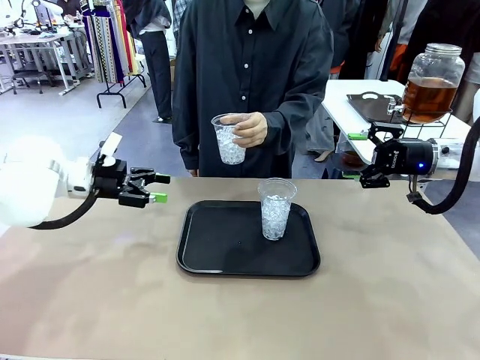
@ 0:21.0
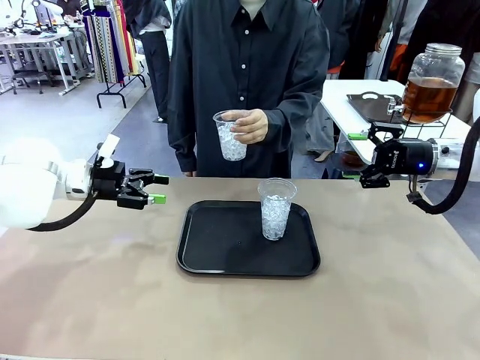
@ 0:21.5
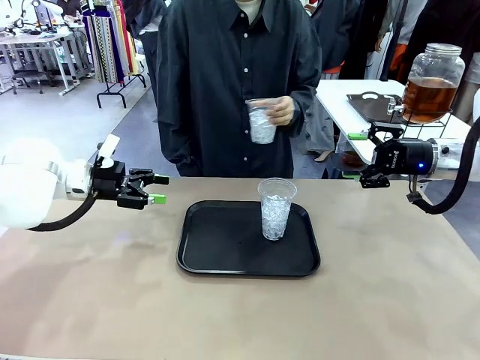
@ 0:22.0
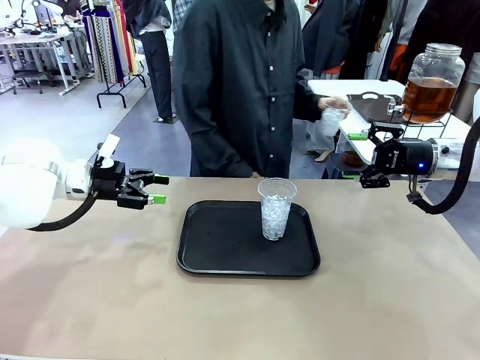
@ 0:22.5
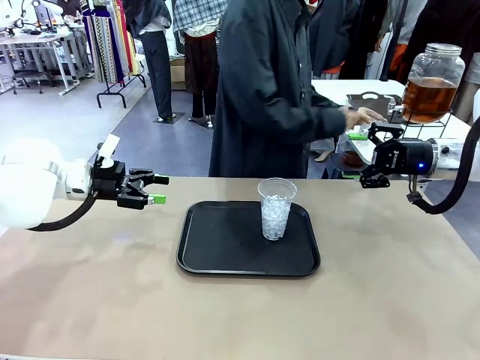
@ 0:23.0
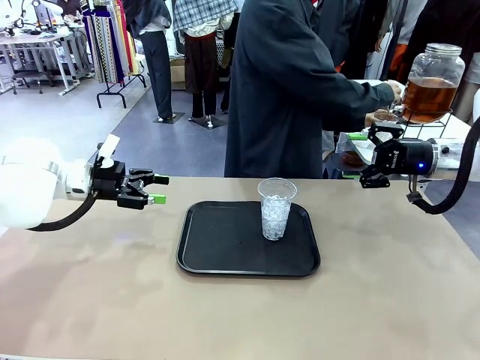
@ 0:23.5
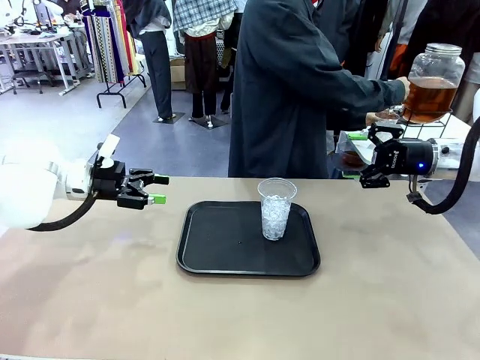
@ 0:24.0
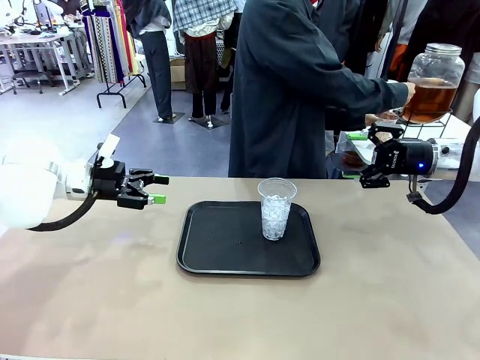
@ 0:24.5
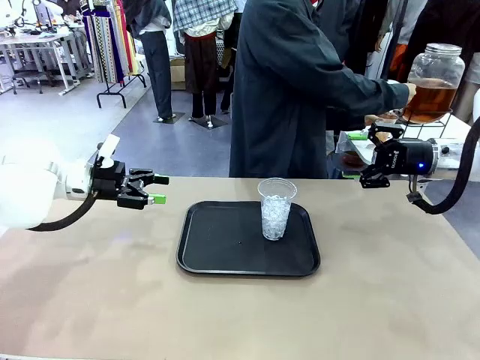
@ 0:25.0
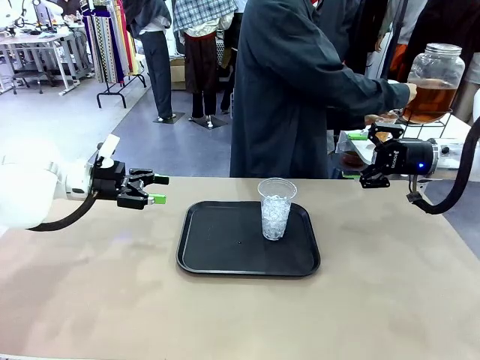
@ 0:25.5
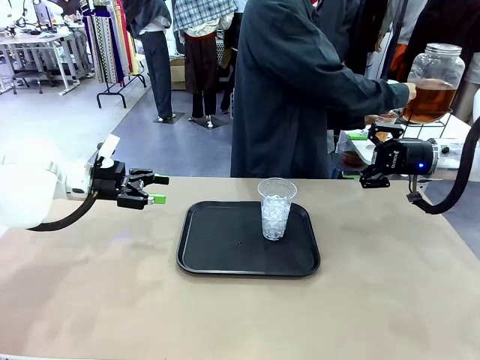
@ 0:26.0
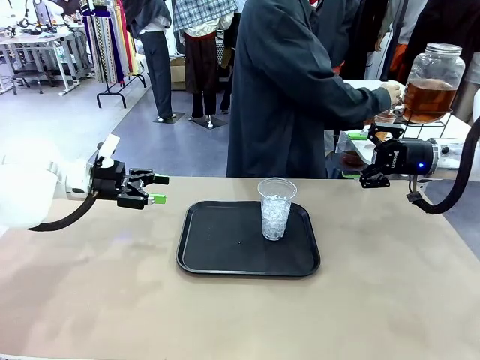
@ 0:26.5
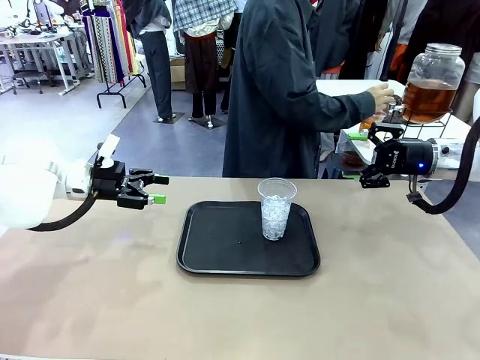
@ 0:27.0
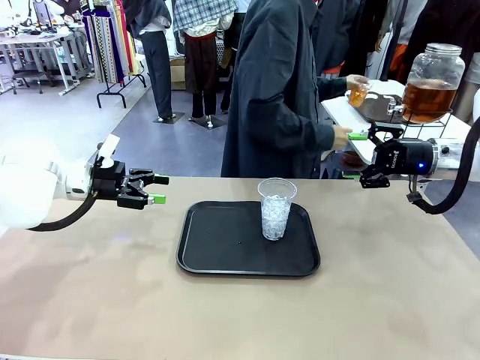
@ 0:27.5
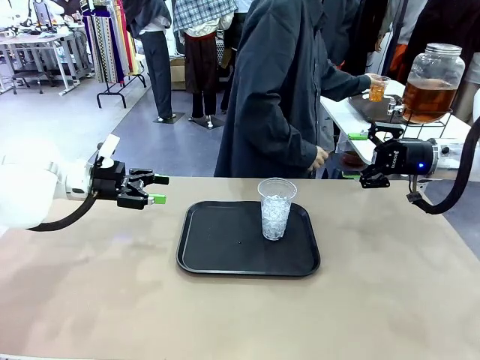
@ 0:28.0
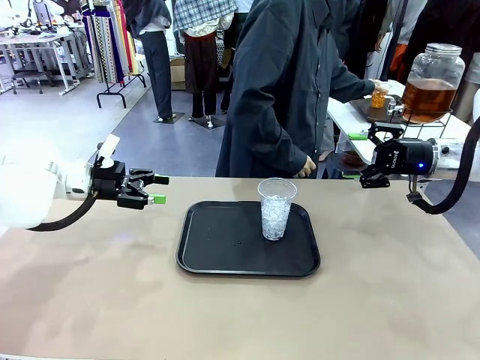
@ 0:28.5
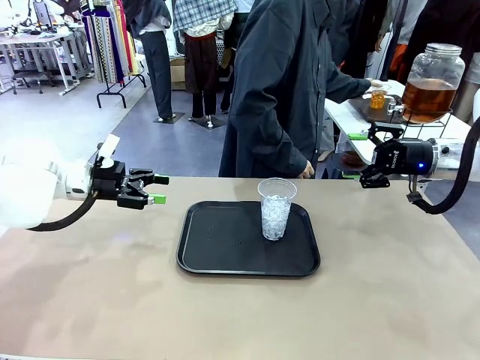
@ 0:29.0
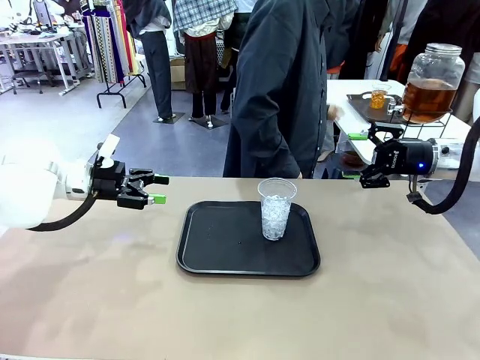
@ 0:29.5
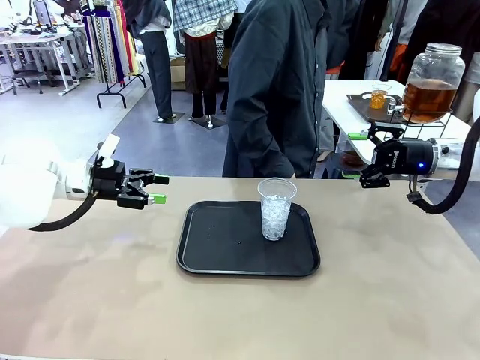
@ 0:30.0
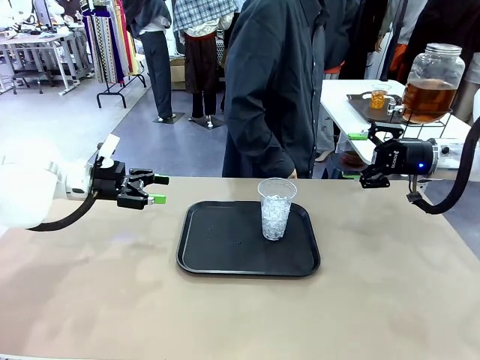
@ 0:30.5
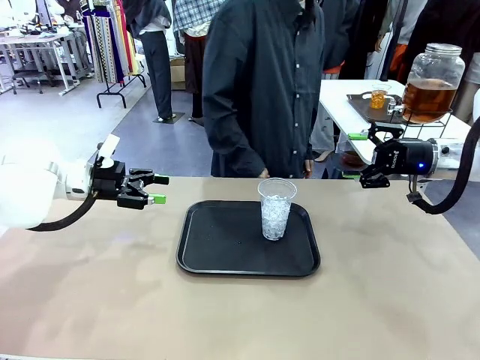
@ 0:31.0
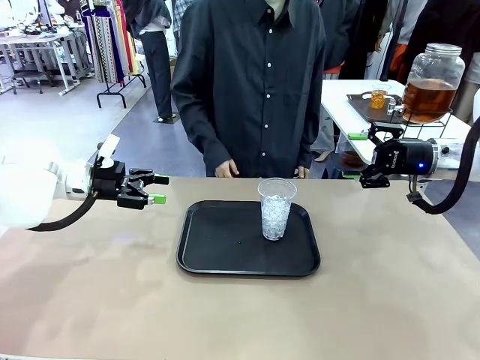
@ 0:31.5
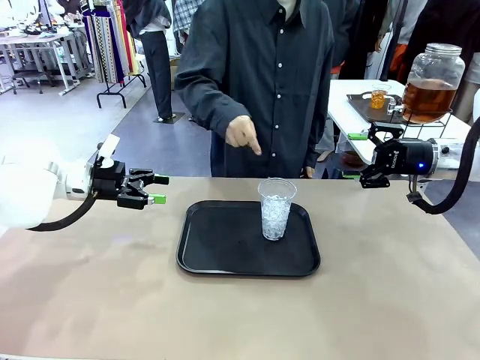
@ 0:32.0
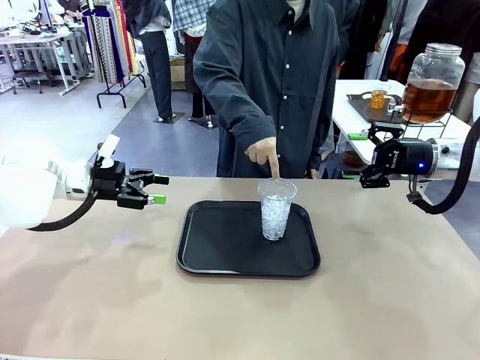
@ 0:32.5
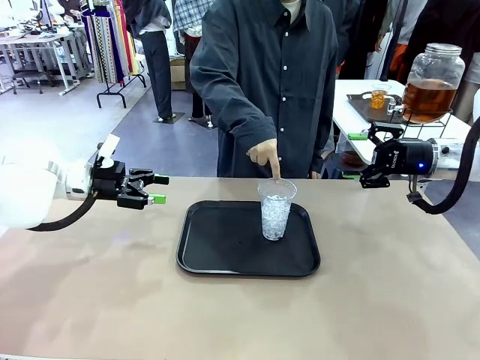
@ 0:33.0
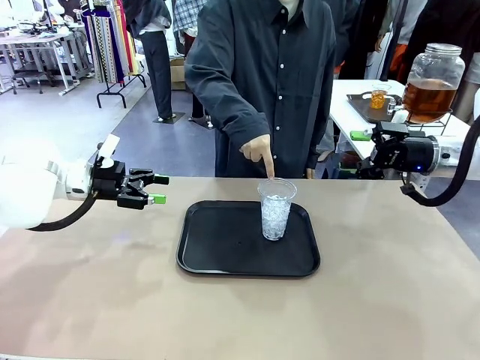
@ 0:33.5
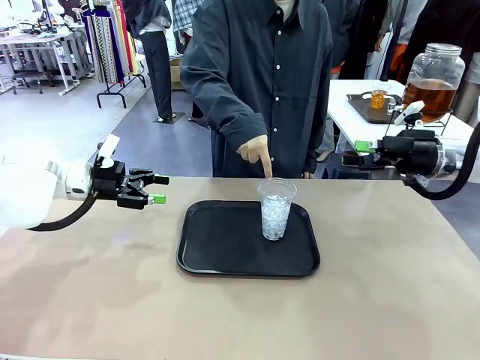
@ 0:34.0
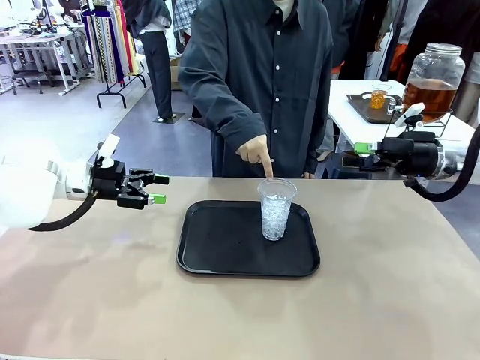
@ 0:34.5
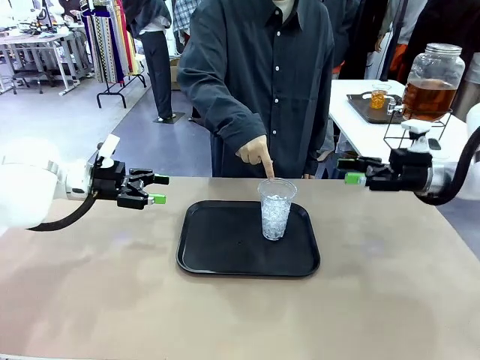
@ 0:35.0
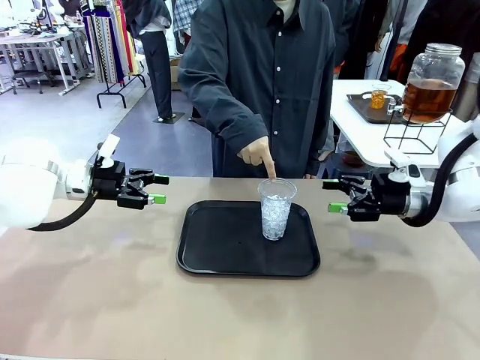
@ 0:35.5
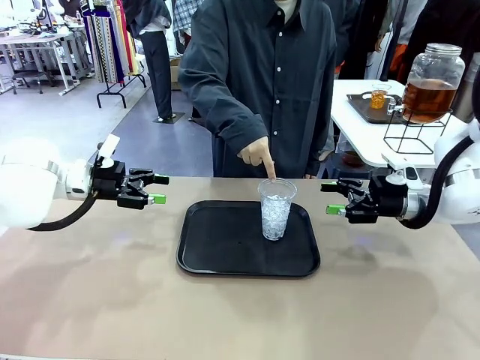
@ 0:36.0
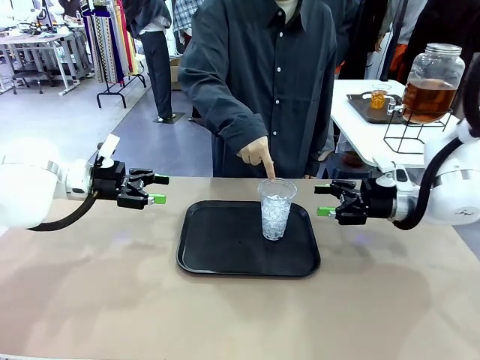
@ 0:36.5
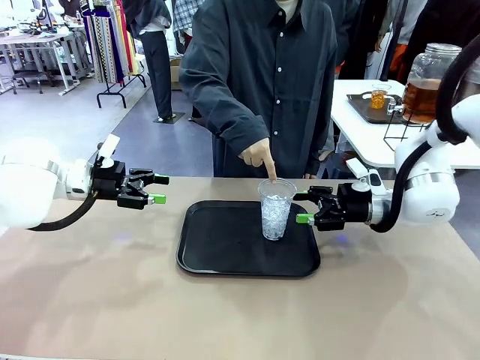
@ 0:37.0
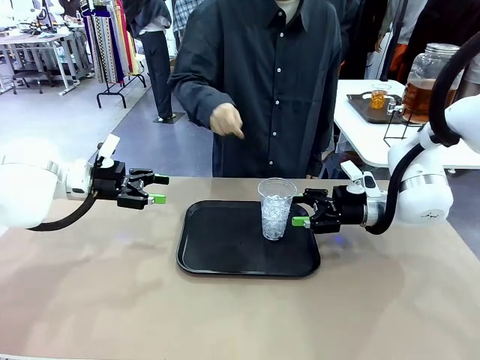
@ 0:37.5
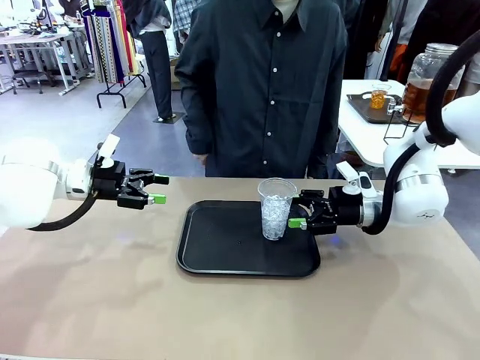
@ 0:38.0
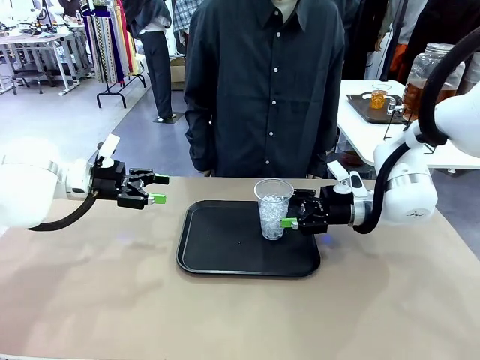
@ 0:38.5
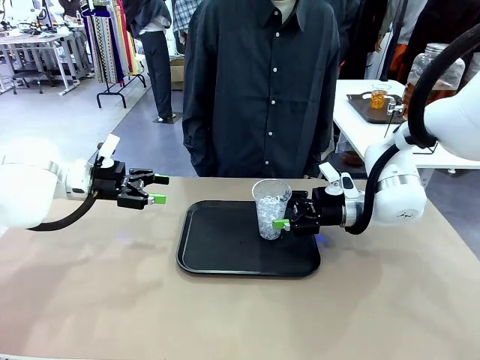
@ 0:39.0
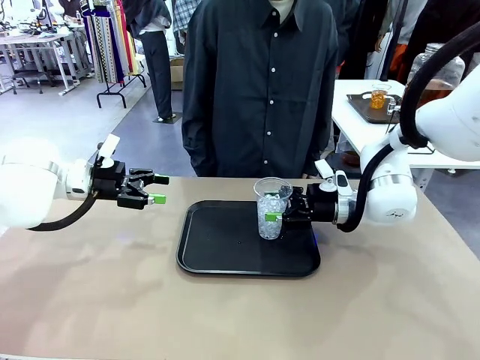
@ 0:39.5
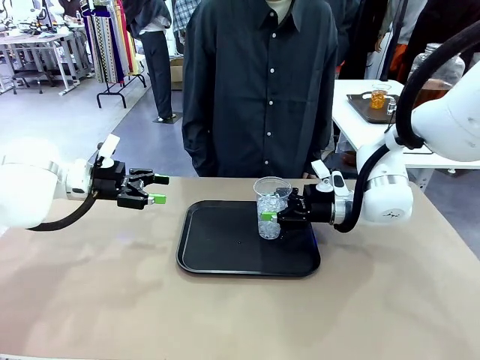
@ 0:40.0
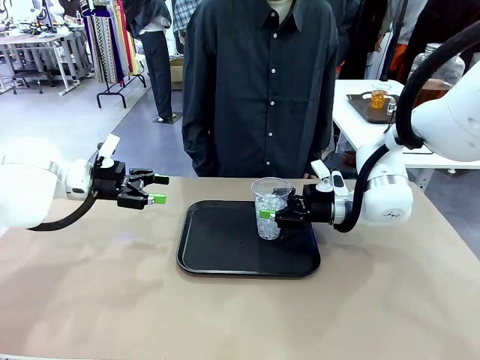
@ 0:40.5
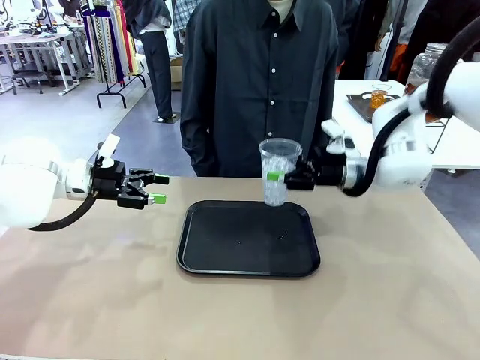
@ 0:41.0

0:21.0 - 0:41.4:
Task: Pour the drink into the iced cup.
Robot: Pick up the iced cup indicated by the human and present it to them.
Person: Move the picked-up cup under the dispenser faucet, pour the drink, and place it on the tray on the human table. Point to the remaining ice cup on the robot table. Pick up the cup offered by the robot.

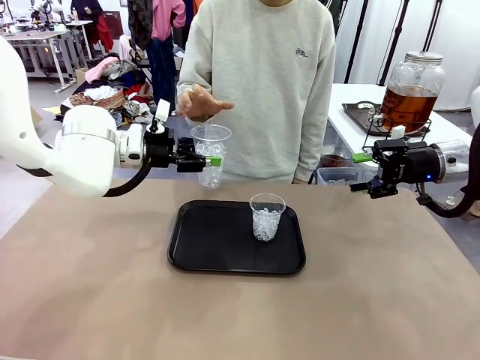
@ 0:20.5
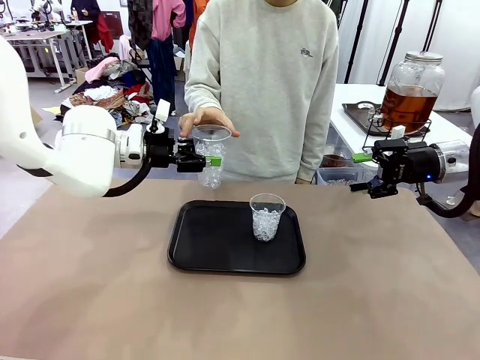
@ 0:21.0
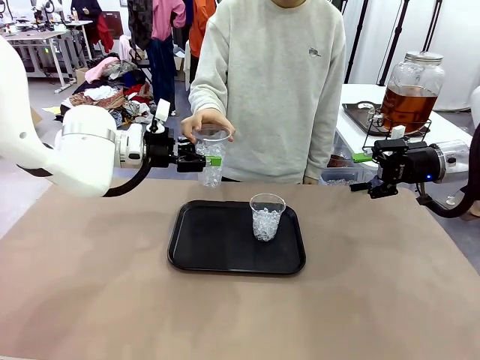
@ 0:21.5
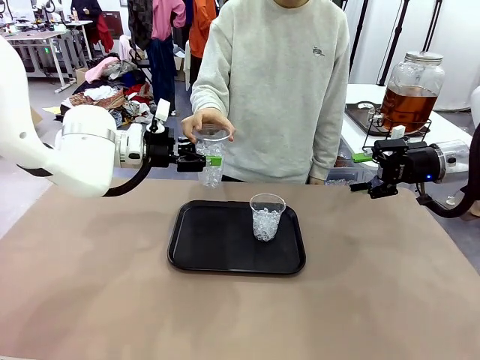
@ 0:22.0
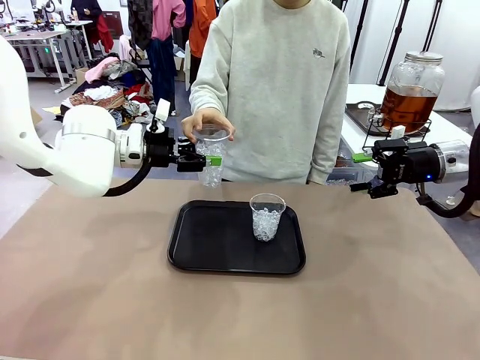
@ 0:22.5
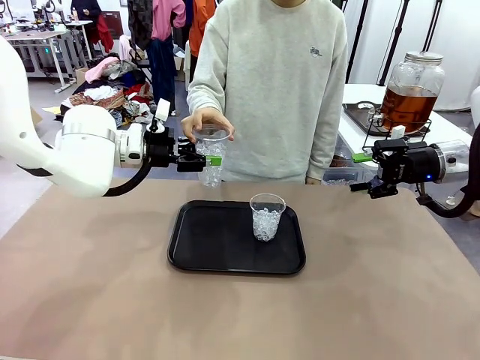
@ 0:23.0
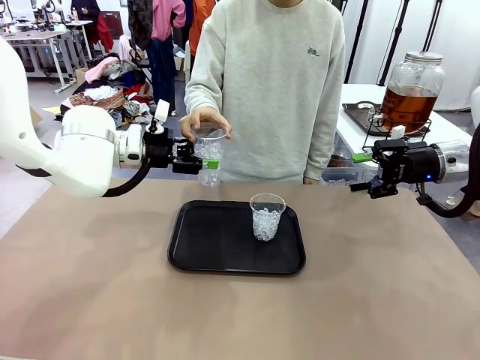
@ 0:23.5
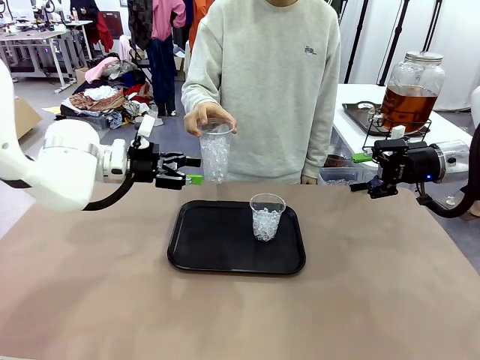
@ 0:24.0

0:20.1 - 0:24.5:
Task: Pour the drink into the iced cup.
Robot: Open the gripper to release the iced cup you were holding.
